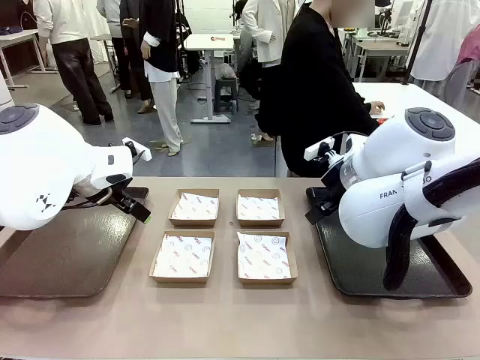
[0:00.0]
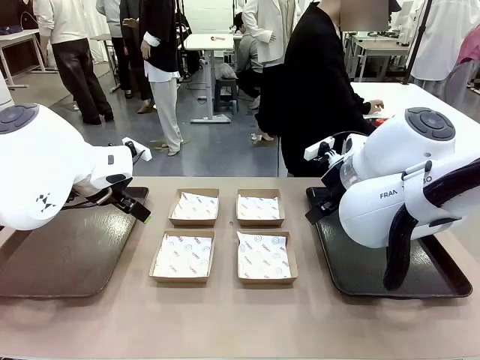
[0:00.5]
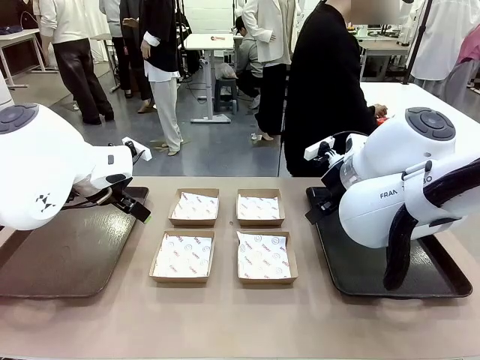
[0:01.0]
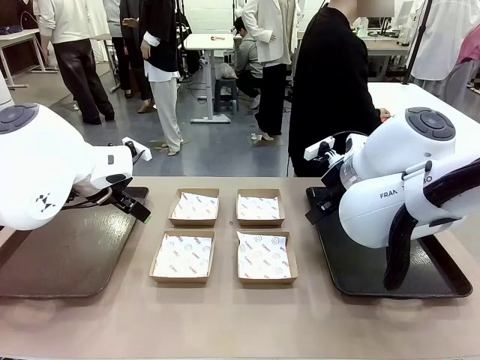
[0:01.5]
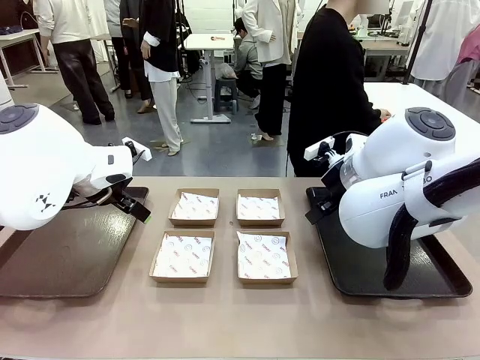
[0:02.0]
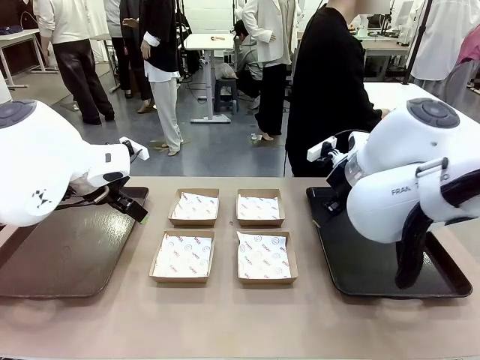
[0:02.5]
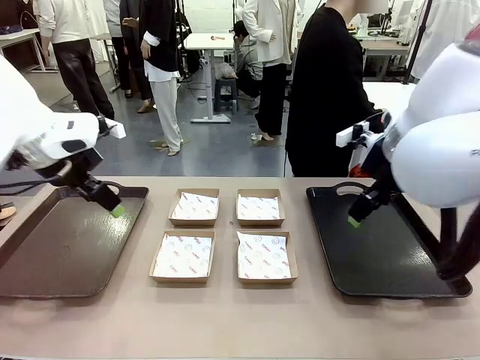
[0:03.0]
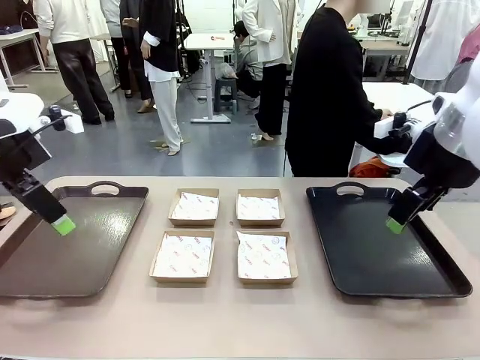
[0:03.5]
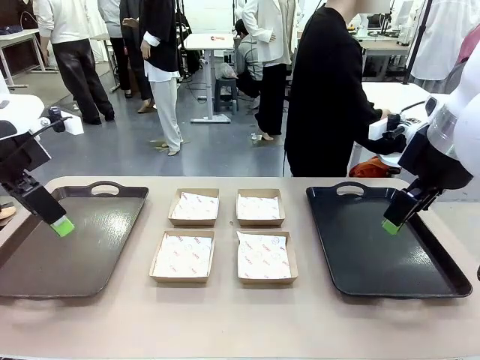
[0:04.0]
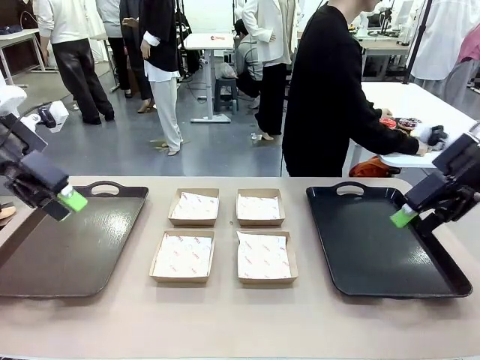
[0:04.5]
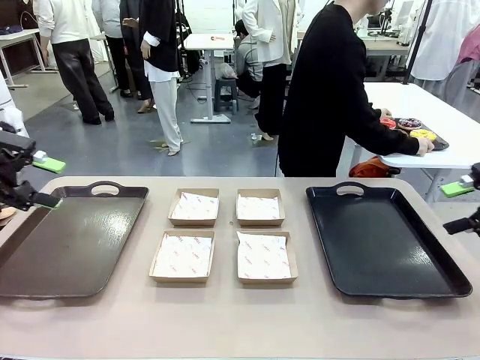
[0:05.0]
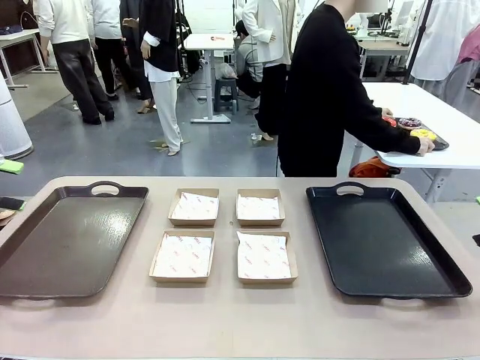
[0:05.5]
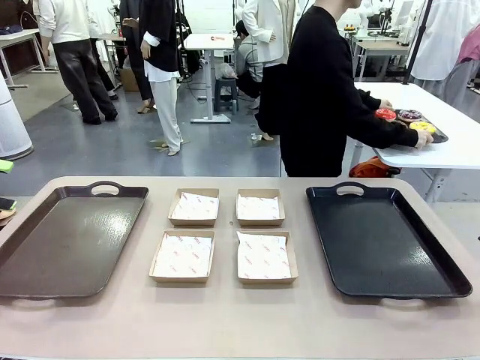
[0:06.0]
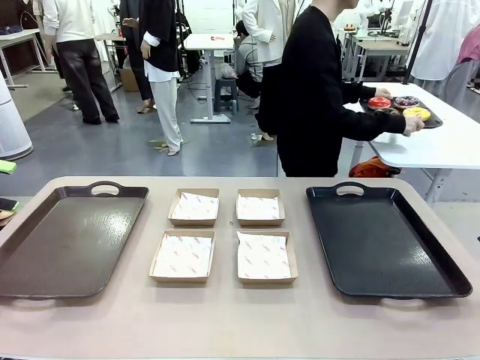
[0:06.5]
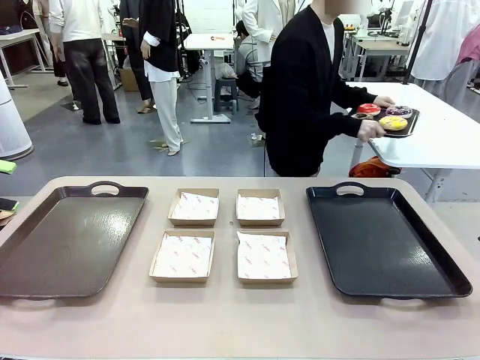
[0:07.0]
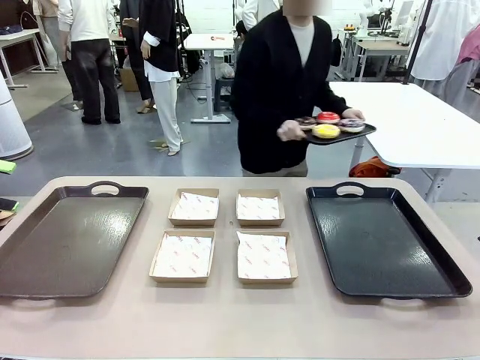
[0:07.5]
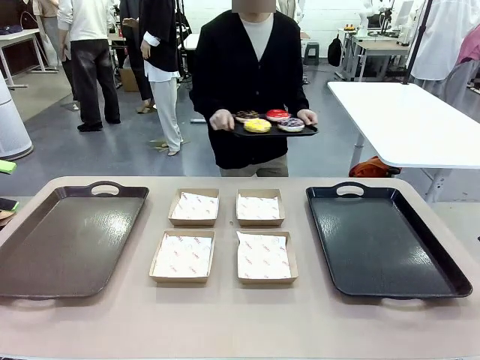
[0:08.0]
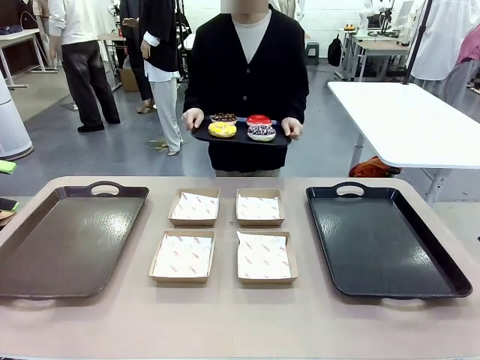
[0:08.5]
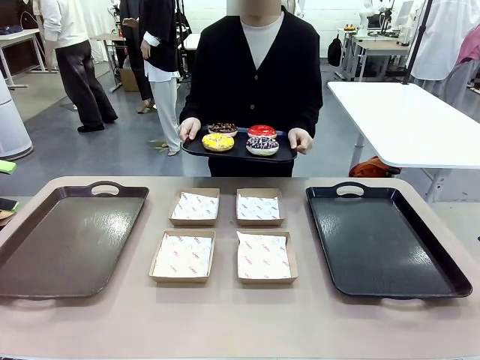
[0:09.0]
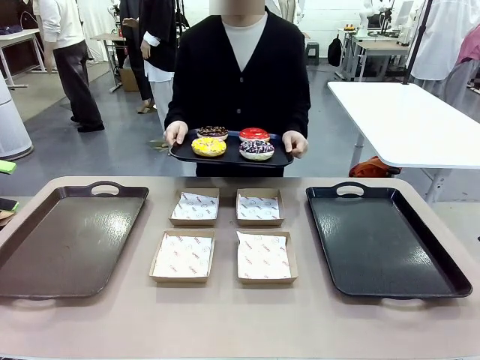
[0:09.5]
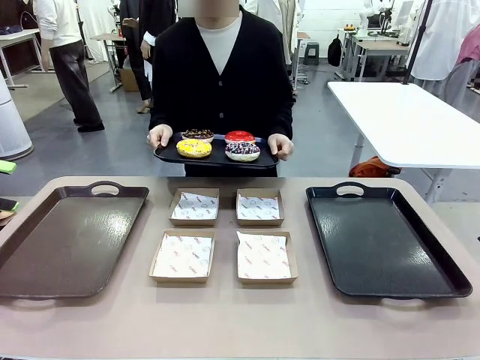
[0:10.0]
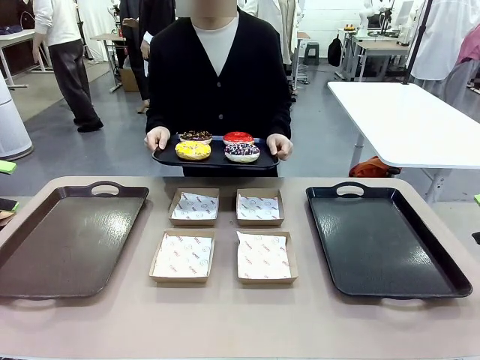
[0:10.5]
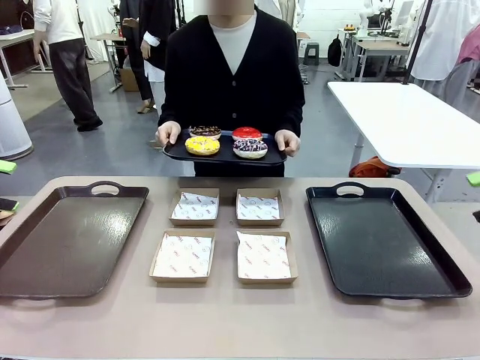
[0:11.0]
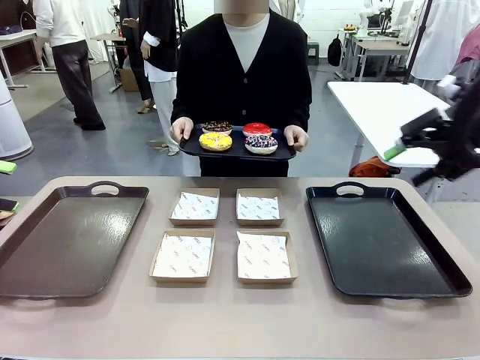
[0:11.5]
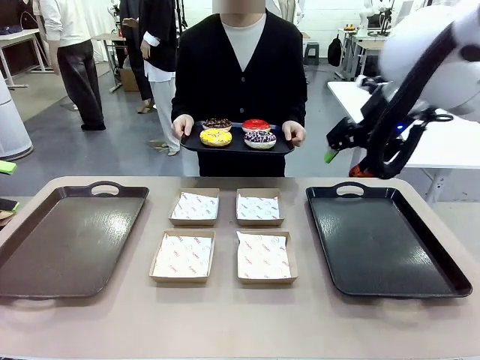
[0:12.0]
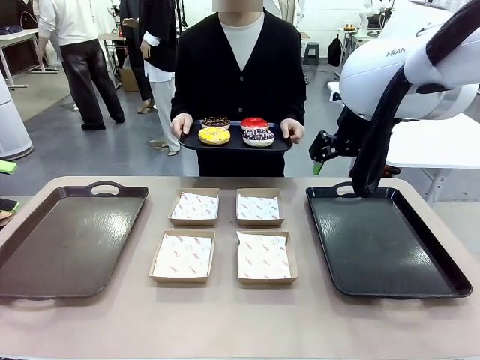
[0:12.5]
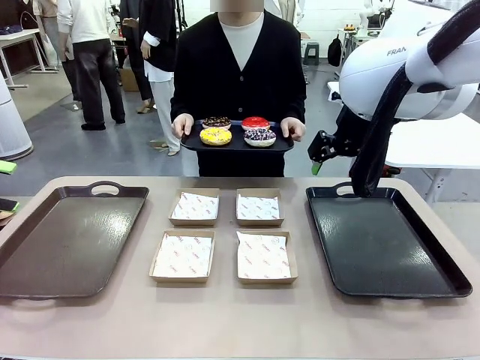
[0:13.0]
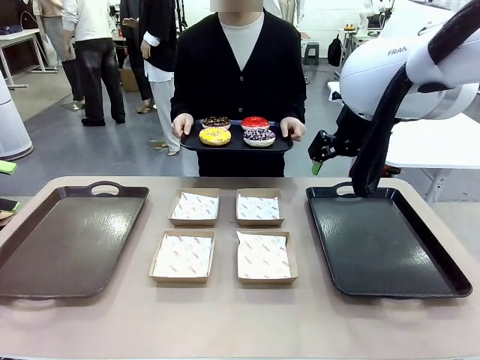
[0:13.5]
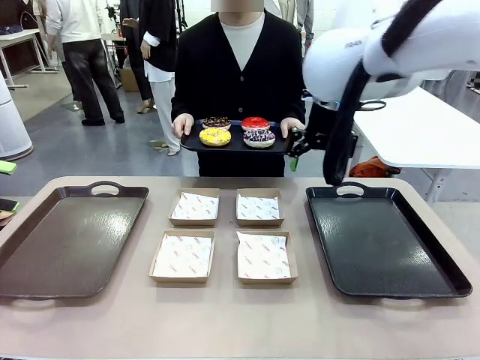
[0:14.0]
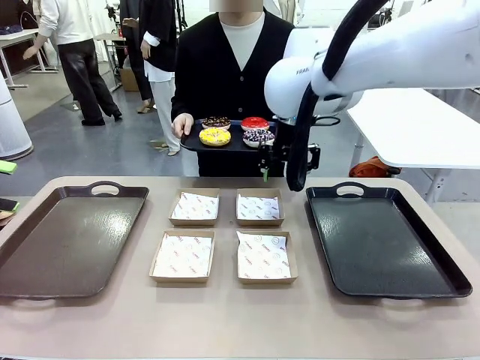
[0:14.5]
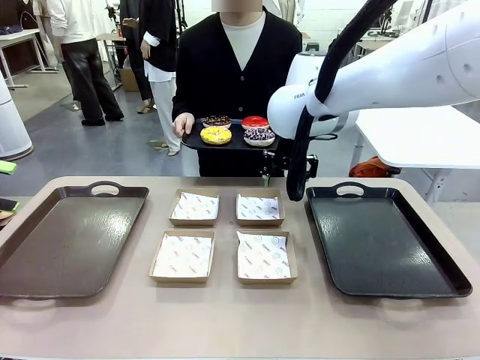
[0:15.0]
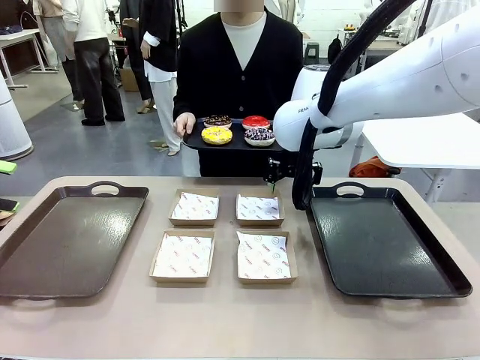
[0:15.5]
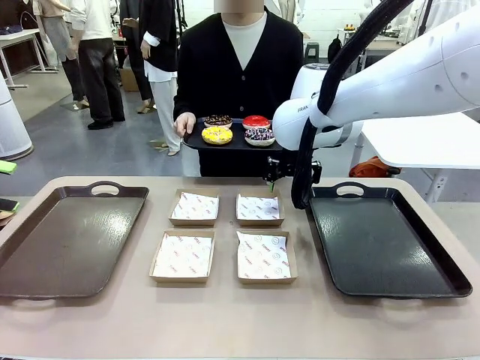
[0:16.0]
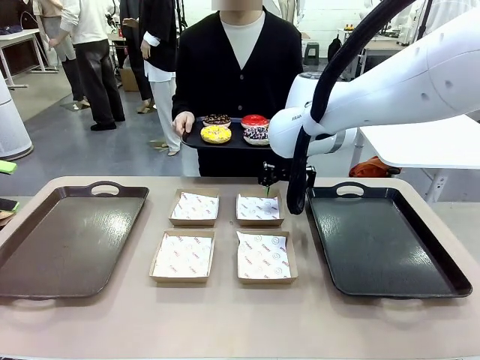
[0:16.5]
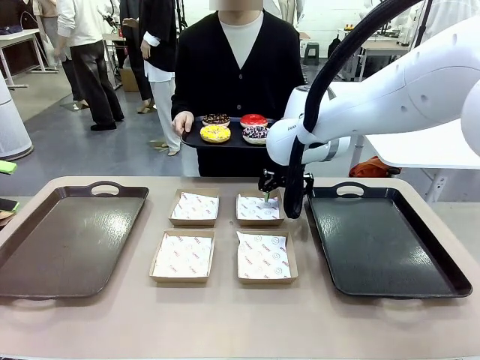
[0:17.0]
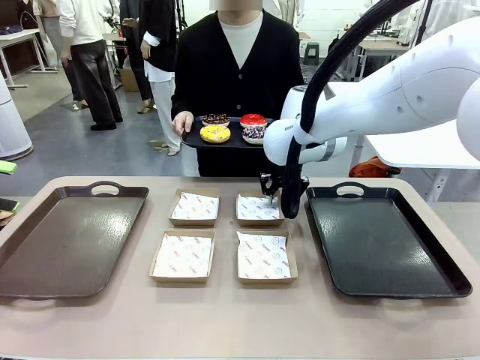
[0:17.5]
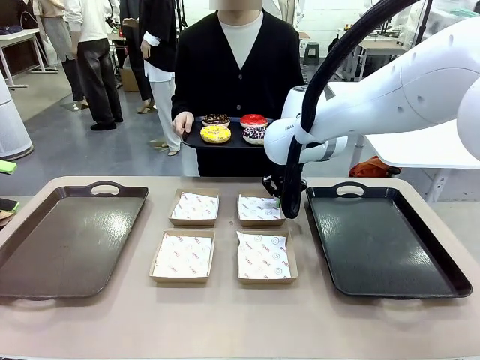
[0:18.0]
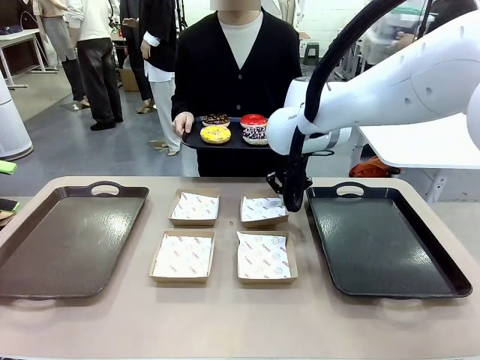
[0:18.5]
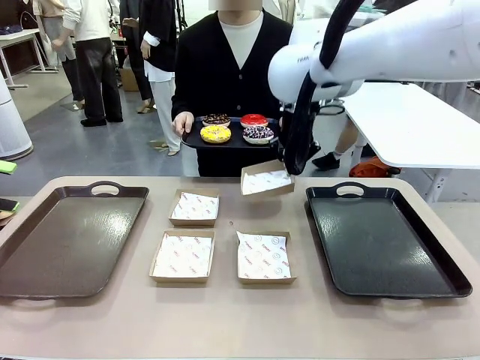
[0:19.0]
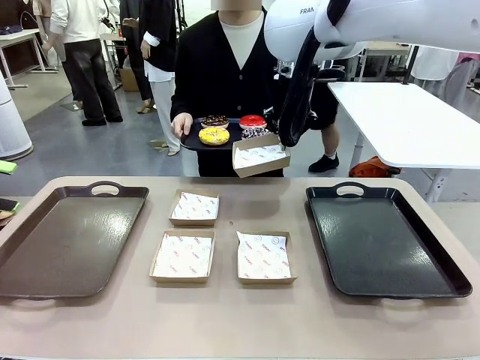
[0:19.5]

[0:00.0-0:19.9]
Task: Individually package the donuts and arrange them on the tray.
Robot: Pick up one Paper togo box.
Person: Stand in front of the robot table holding the tray containing the donuts.
